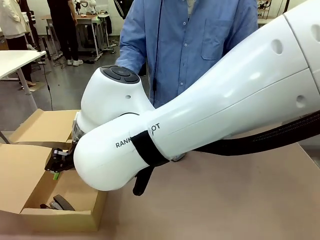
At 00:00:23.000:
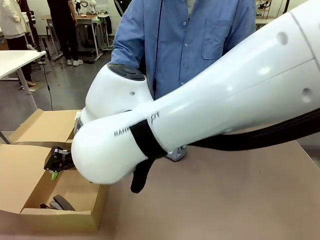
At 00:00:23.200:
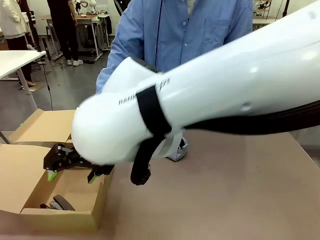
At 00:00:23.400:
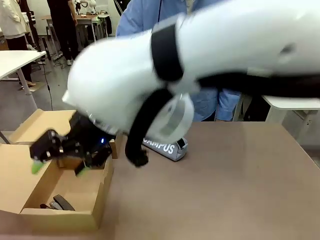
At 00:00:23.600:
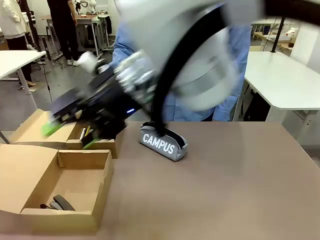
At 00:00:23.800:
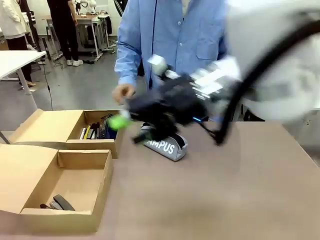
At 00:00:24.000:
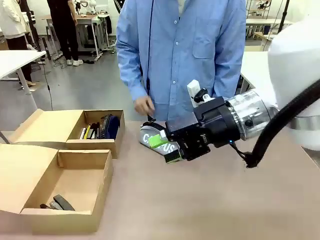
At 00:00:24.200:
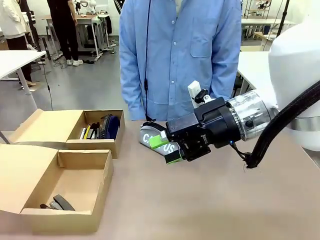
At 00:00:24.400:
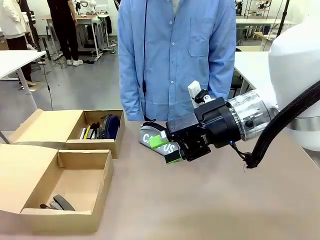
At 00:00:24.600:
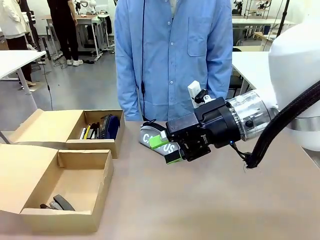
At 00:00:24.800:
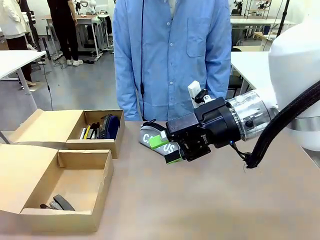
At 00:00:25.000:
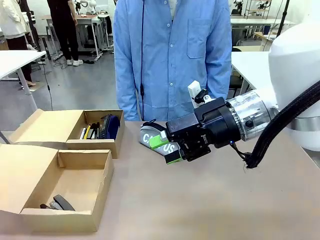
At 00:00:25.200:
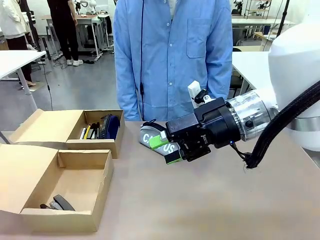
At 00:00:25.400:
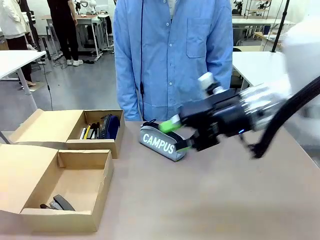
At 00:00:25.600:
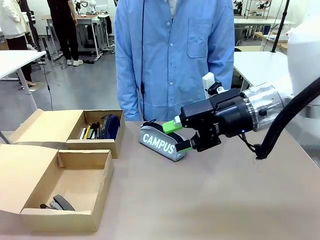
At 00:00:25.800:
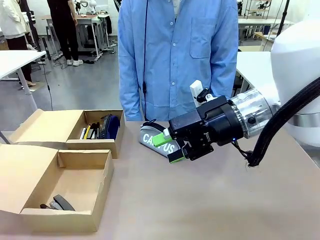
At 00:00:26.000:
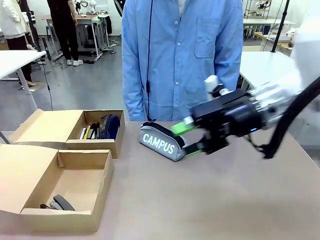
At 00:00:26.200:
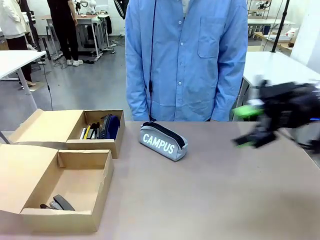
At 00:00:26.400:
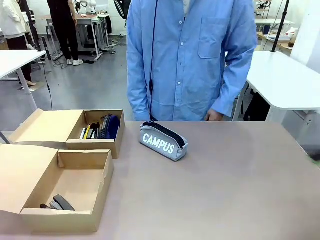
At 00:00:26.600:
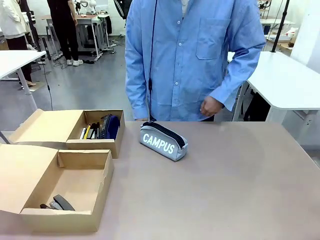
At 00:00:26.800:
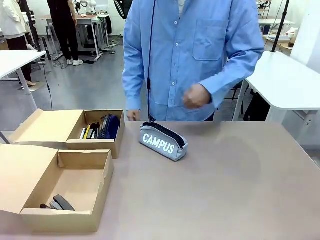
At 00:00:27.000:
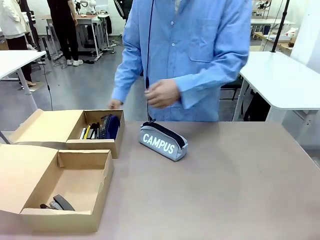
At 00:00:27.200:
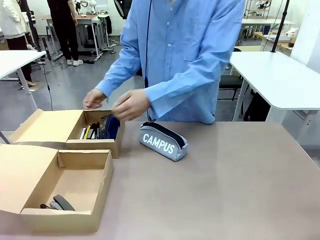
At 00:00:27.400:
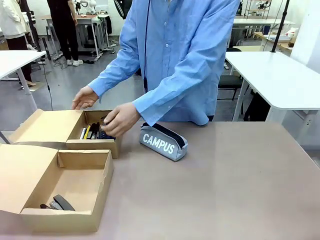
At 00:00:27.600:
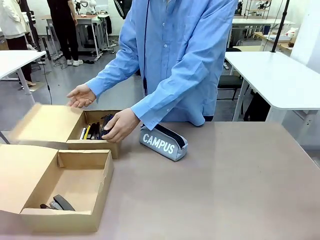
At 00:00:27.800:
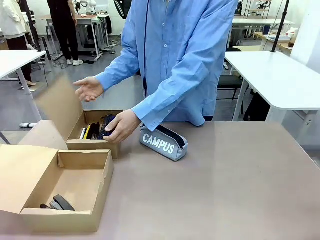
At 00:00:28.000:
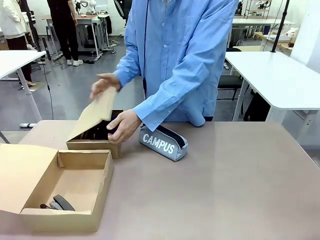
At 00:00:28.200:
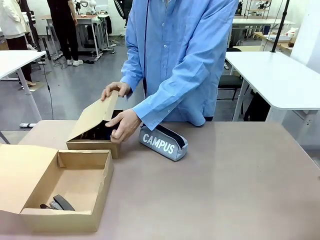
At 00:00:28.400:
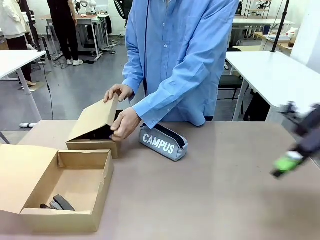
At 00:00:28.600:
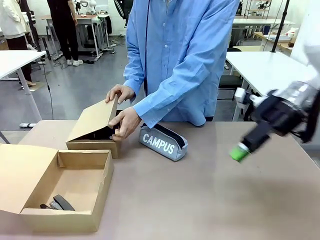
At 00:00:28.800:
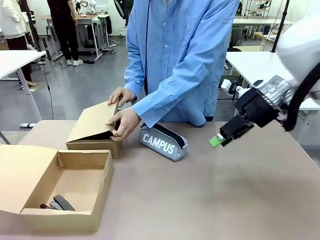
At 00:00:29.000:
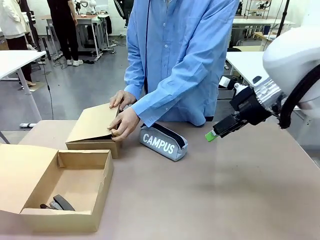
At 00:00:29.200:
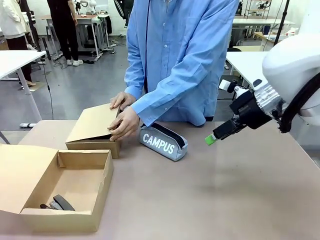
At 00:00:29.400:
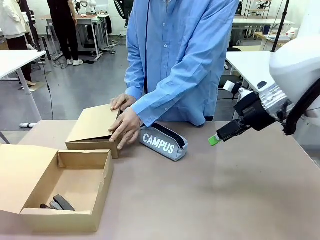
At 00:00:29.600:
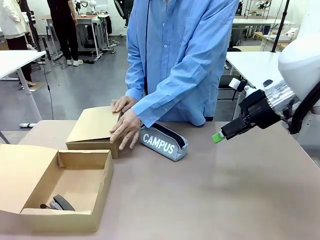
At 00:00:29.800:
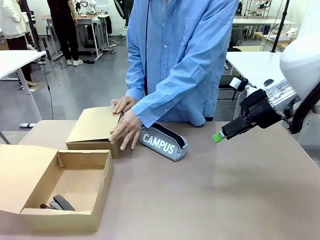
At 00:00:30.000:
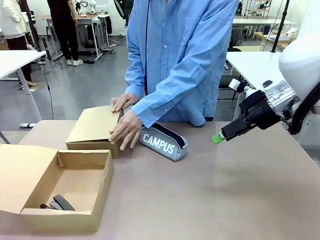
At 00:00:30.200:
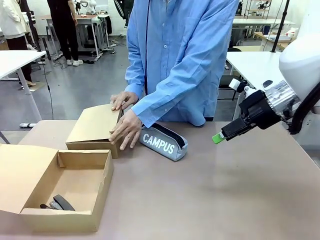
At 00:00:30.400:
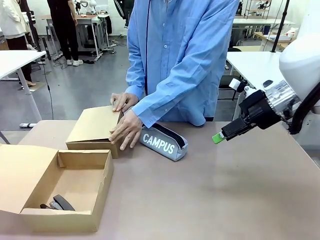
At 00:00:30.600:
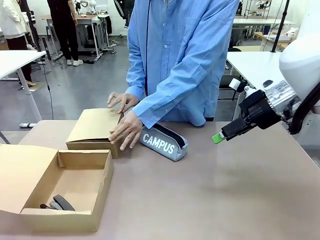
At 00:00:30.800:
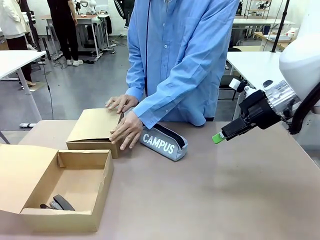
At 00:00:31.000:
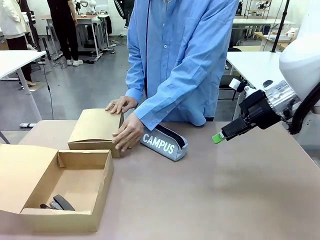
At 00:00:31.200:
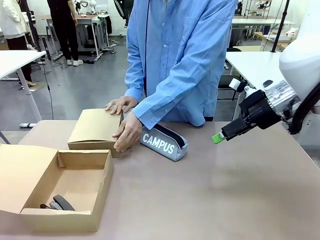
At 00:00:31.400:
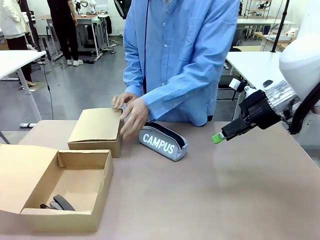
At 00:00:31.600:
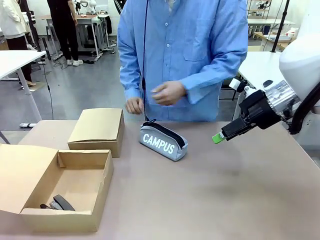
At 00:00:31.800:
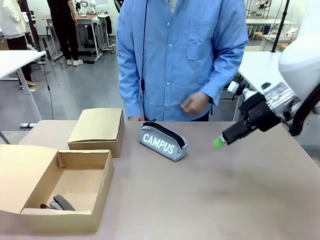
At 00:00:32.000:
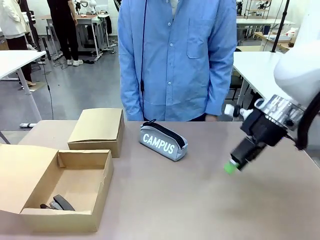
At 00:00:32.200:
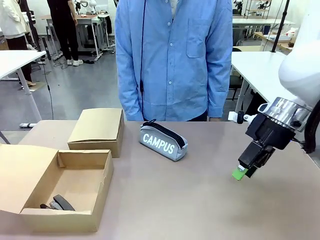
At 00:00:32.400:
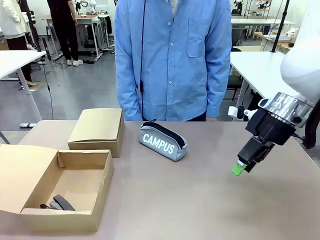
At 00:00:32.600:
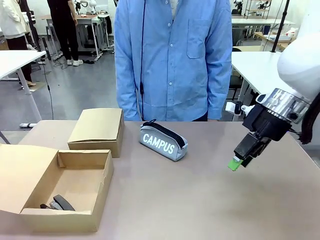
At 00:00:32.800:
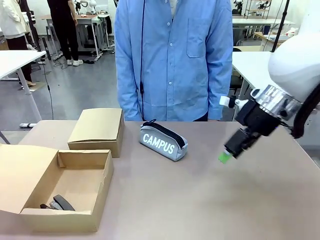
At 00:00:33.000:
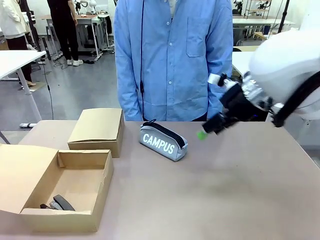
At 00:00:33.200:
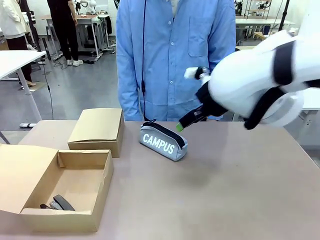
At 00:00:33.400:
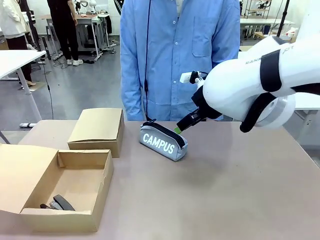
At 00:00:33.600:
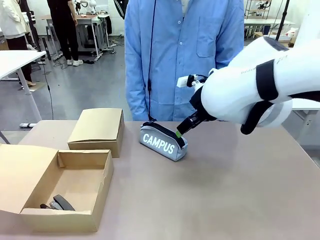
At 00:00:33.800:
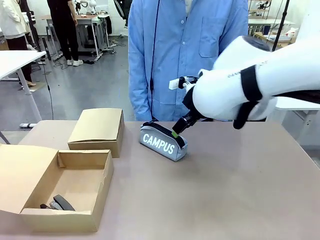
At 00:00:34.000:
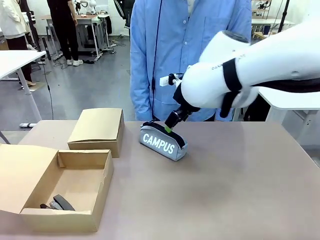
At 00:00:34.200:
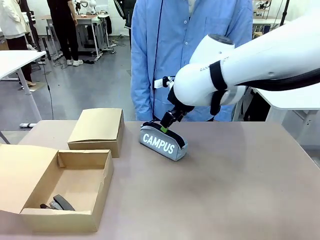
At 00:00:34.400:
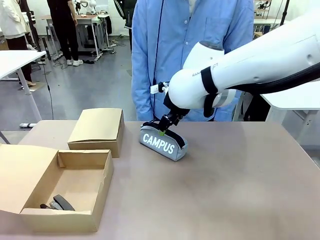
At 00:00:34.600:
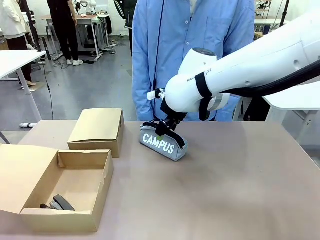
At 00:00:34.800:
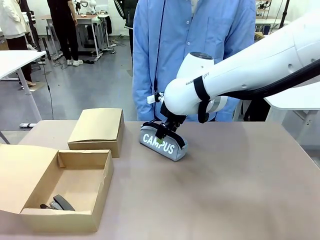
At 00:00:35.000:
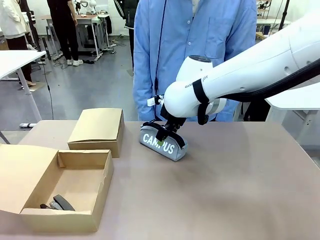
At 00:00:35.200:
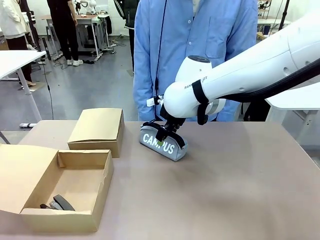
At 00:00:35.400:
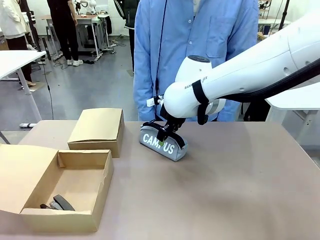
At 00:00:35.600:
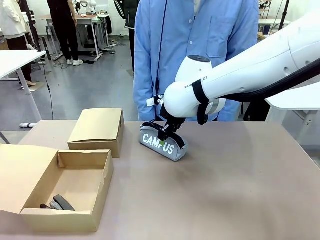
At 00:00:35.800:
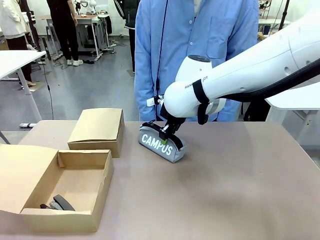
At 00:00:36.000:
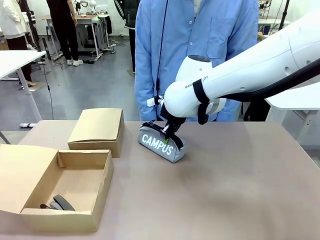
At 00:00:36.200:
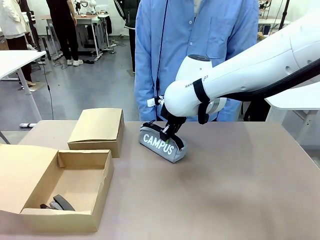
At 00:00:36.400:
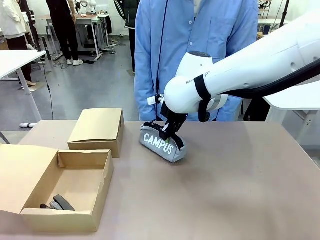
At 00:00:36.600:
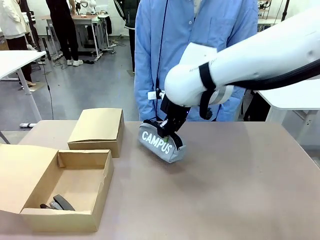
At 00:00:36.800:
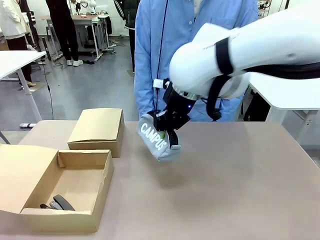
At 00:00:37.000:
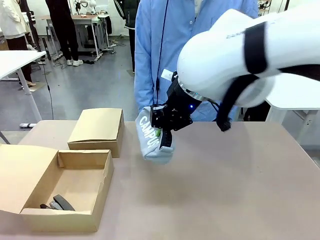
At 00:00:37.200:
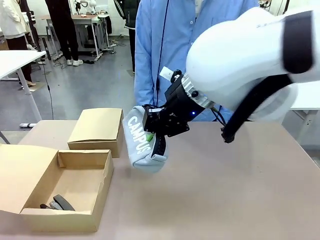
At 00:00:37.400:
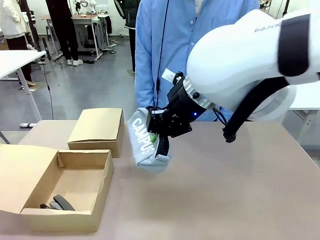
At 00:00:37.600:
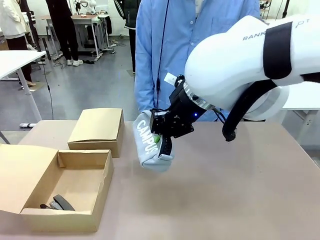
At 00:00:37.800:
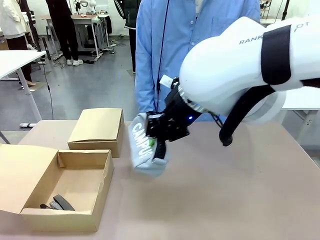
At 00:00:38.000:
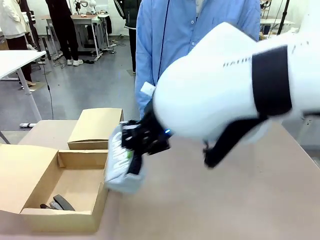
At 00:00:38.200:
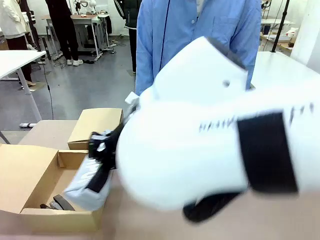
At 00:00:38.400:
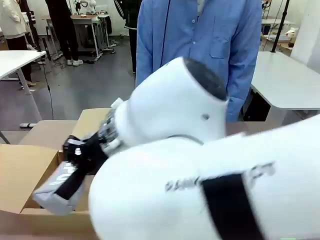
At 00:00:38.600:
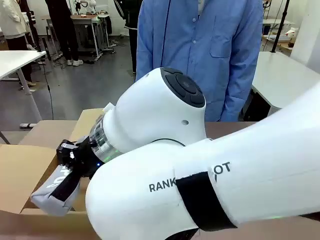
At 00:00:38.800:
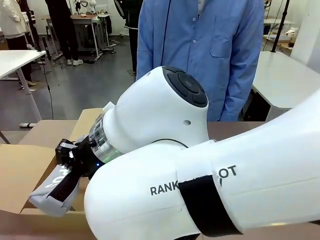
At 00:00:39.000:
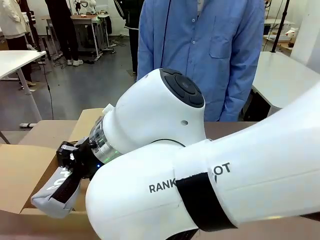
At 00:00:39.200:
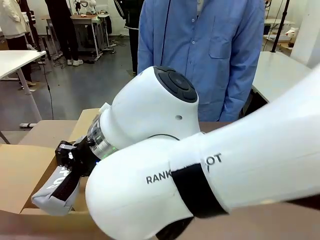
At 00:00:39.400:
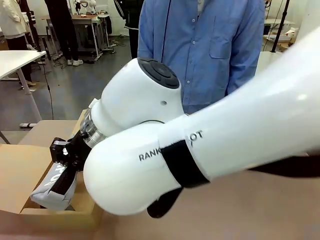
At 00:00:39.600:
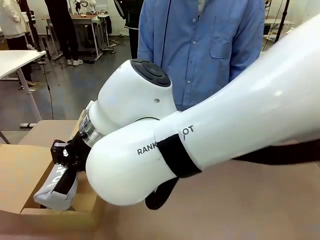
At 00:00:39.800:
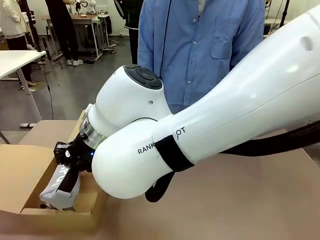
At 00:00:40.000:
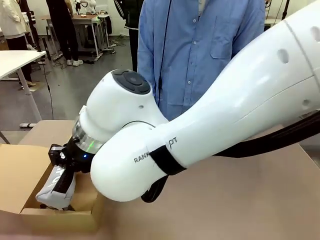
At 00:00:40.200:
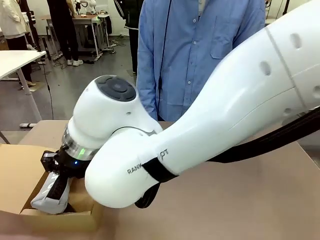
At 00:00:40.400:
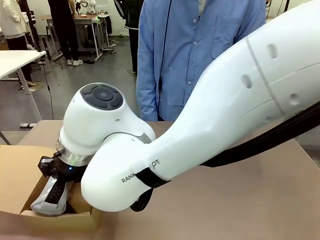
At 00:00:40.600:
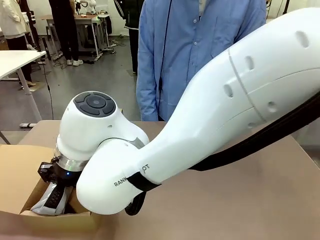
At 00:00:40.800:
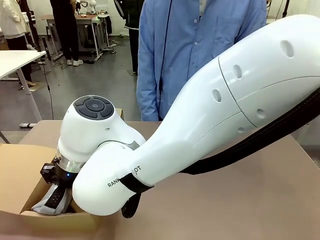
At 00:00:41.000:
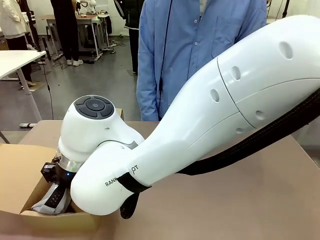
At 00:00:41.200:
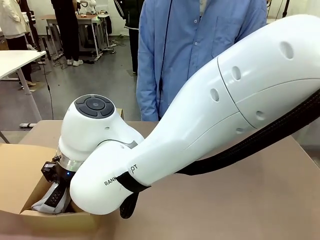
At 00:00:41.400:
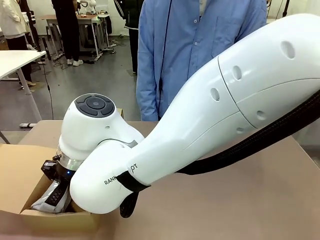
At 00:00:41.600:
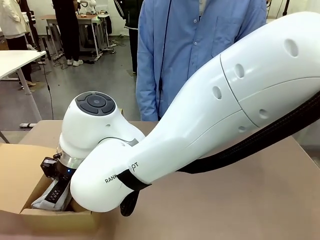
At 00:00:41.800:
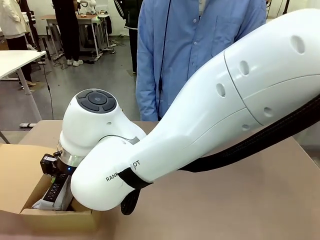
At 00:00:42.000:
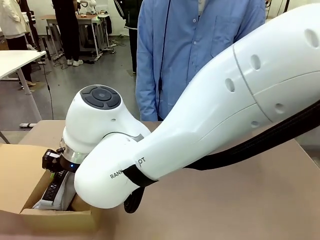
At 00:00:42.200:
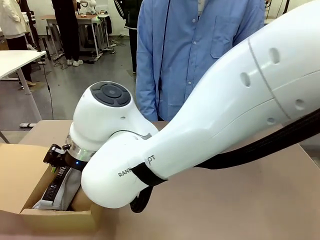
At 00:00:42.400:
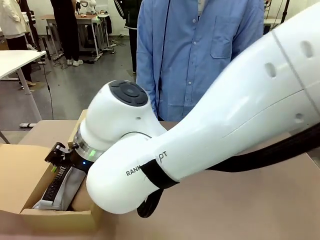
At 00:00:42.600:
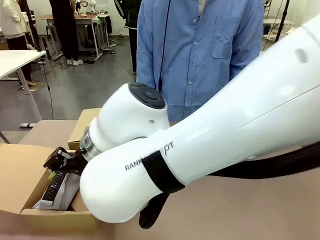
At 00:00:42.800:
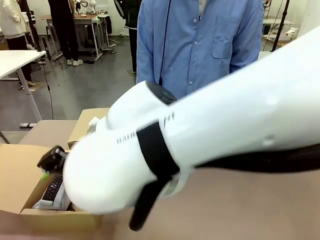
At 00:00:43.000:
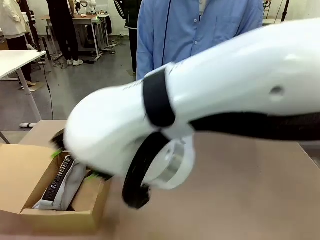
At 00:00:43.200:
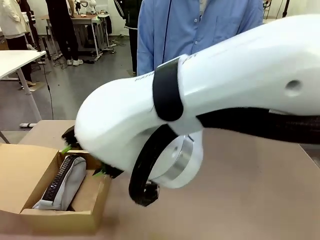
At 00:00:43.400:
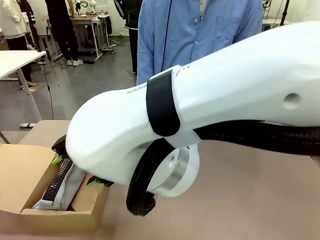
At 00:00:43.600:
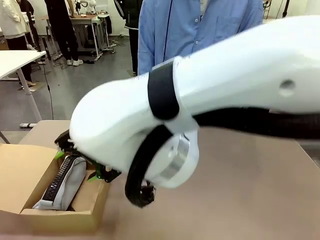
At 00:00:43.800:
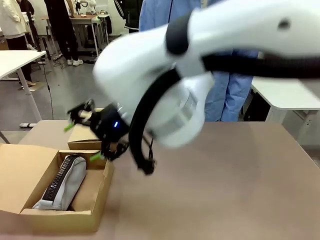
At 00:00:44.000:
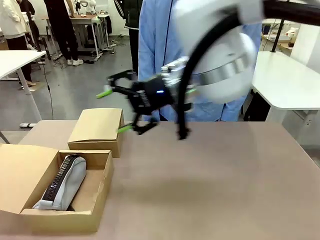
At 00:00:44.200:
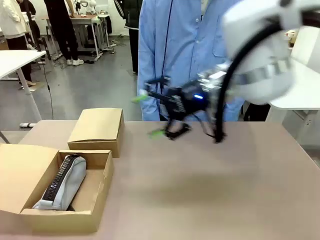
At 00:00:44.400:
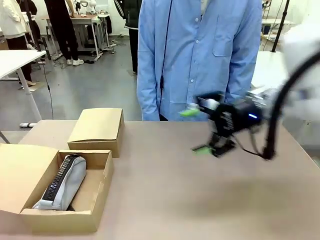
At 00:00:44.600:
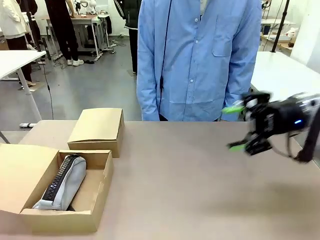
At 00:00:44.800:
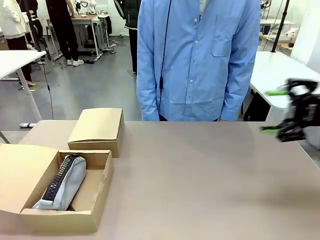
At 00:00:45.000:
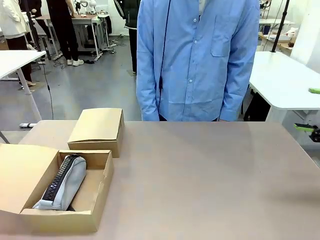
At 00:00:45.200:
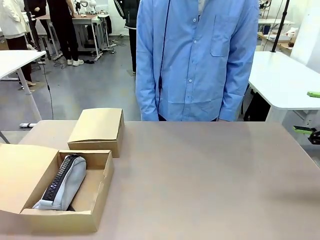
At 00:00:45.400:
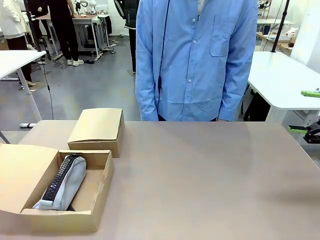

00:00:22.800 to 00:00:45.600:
Task: Place items inside the box.
Robot: Pick up a Pencil pouch or Stapler and place it inside the Mailer Box closest to the robot.
Person: Close the lid of the box facing the person.
